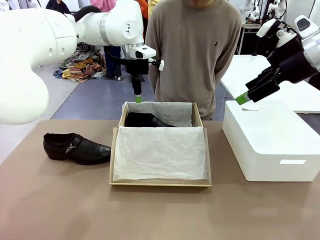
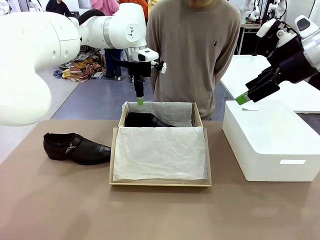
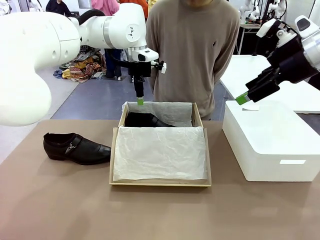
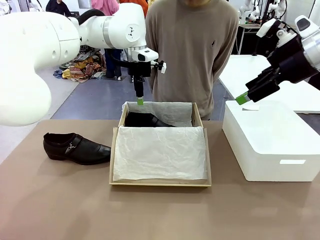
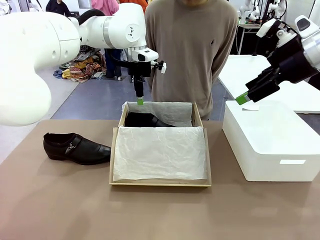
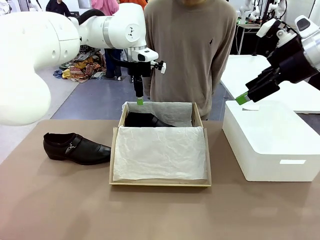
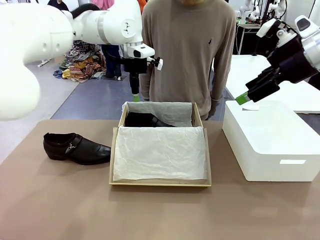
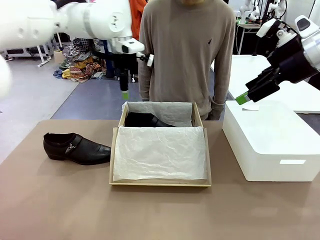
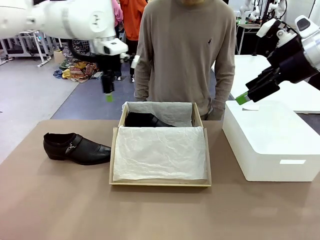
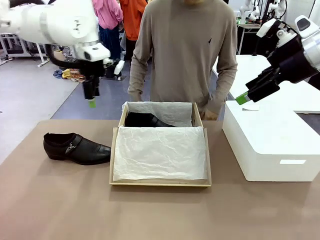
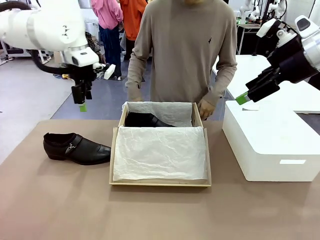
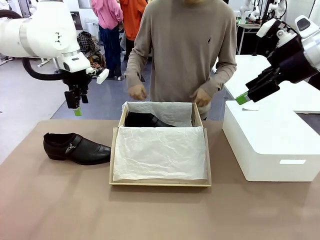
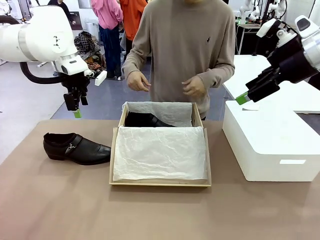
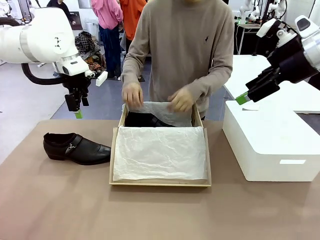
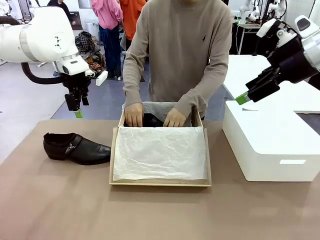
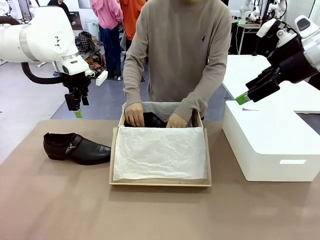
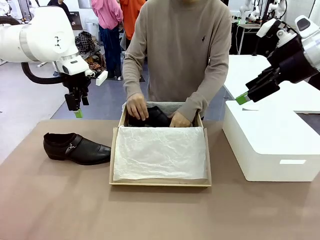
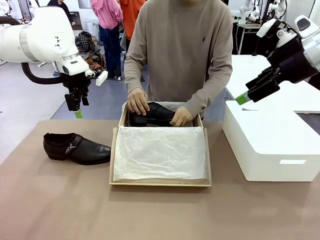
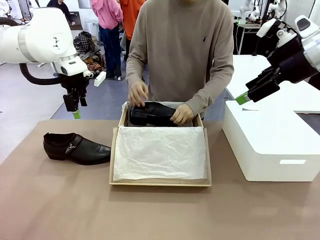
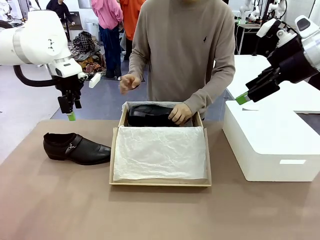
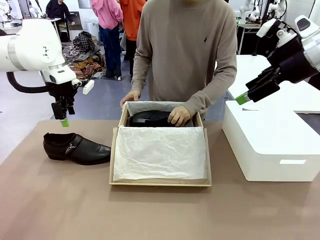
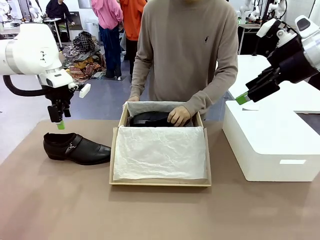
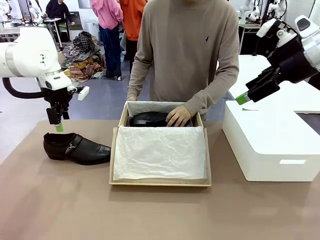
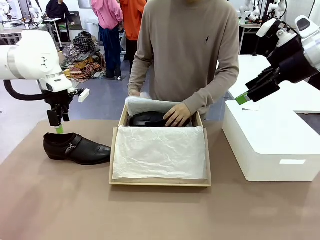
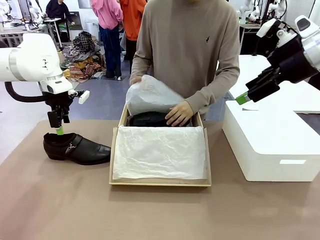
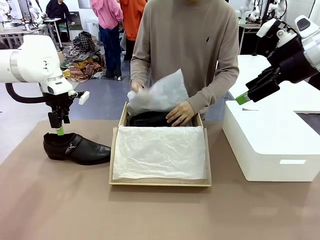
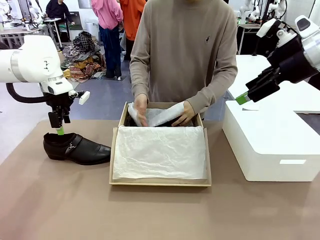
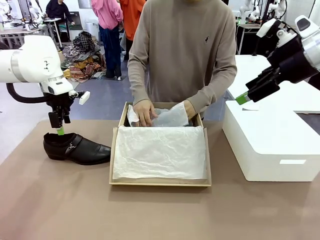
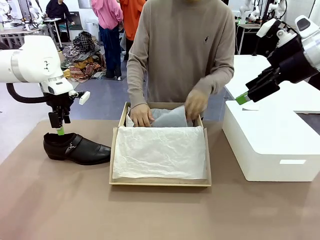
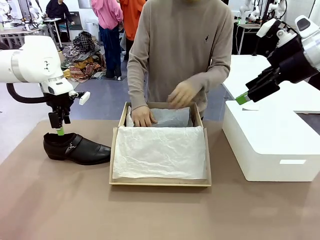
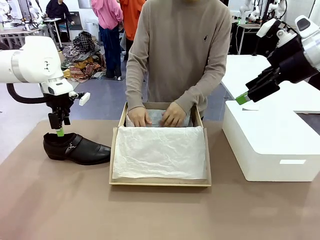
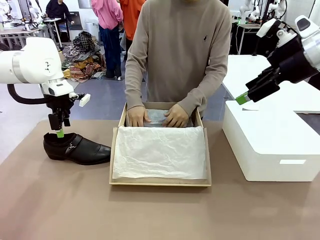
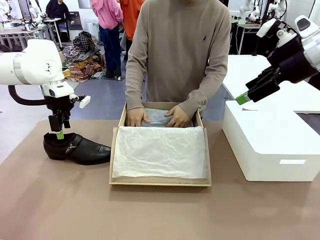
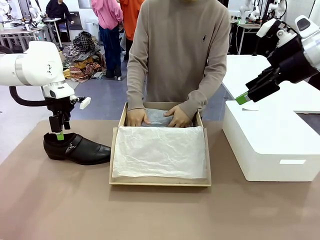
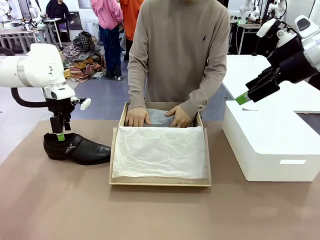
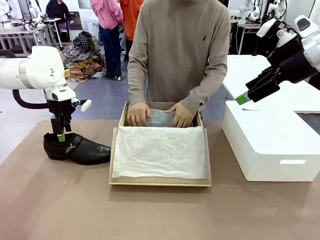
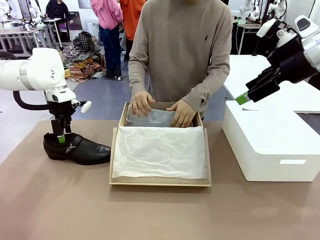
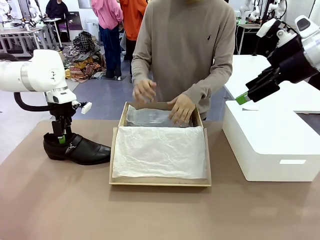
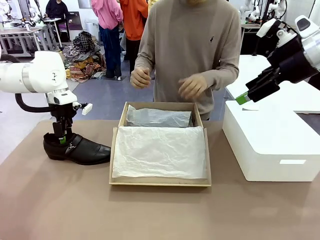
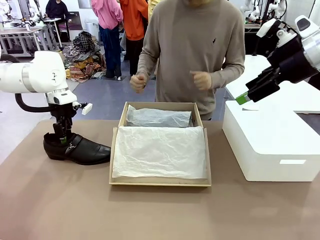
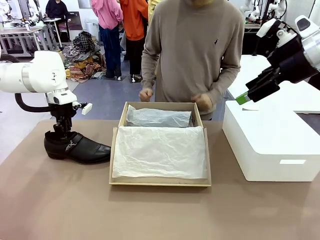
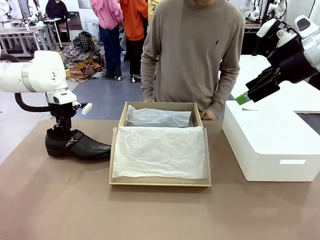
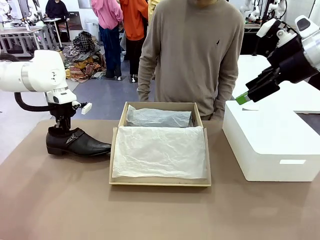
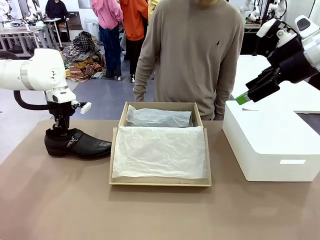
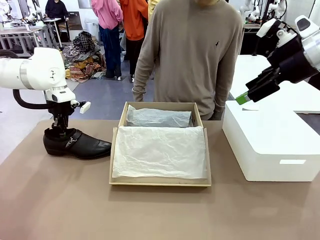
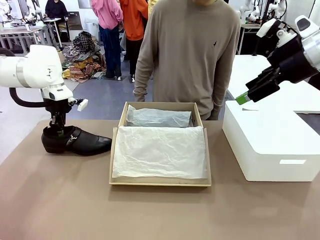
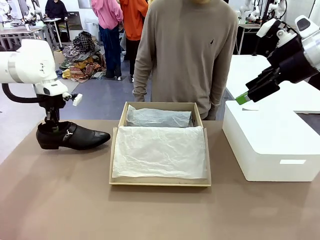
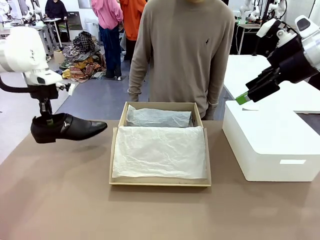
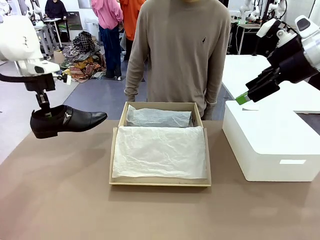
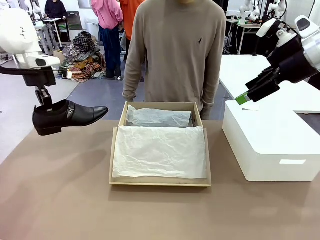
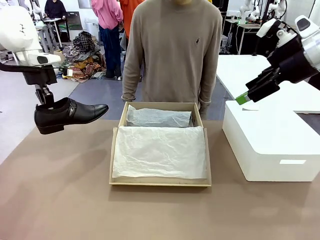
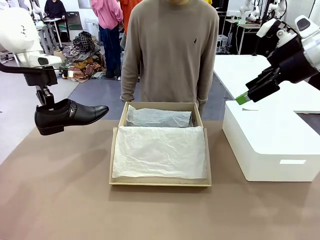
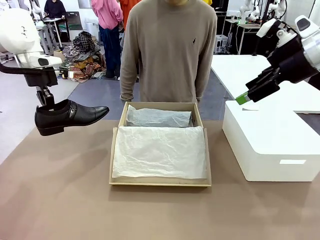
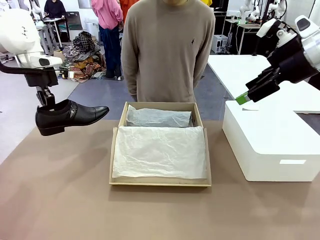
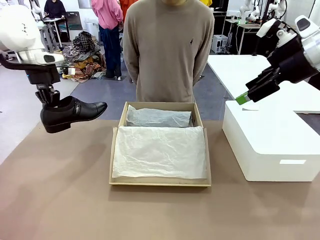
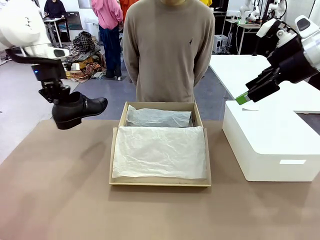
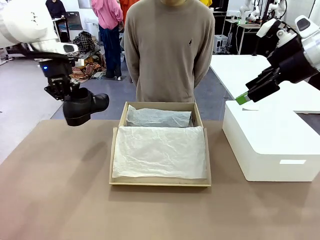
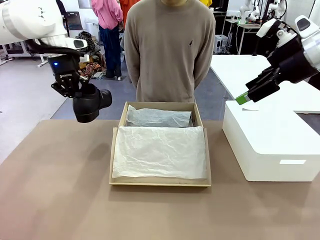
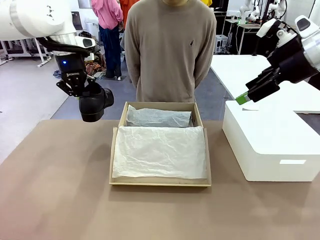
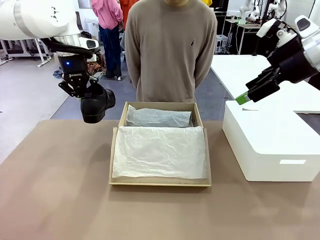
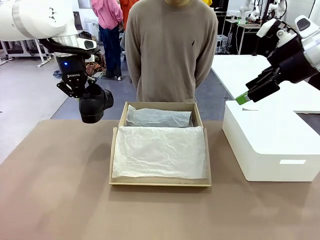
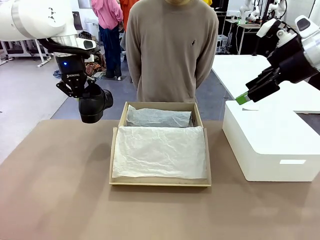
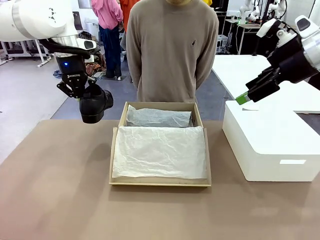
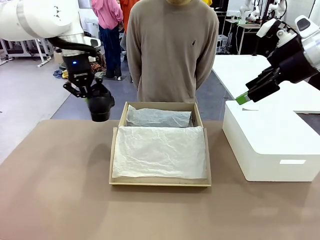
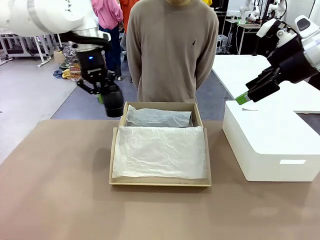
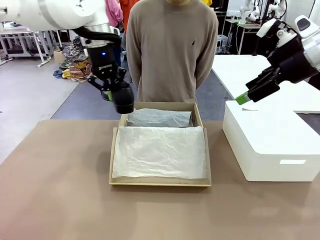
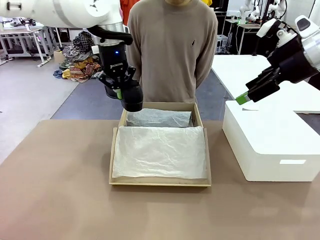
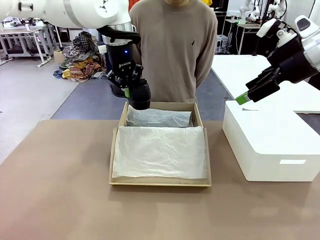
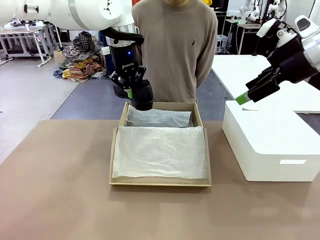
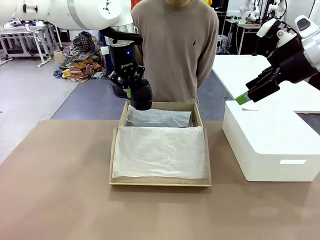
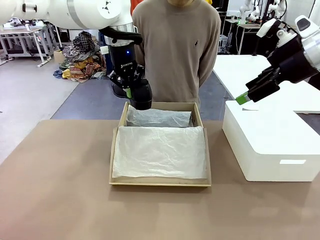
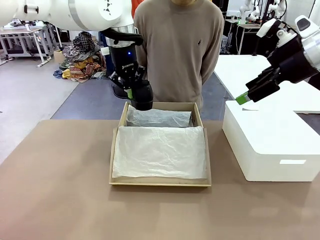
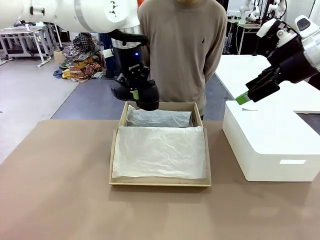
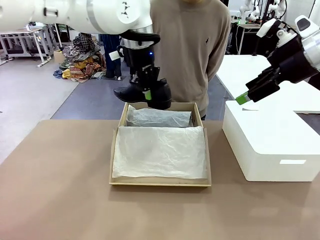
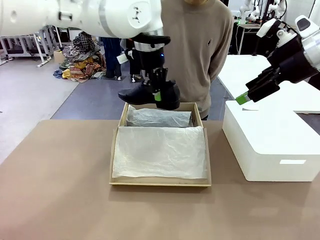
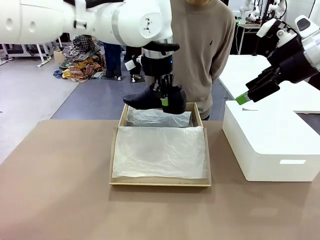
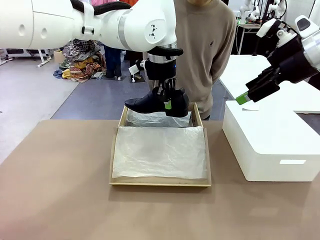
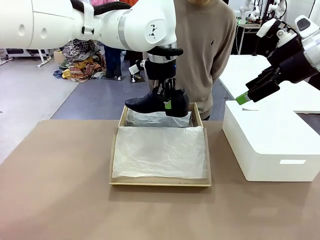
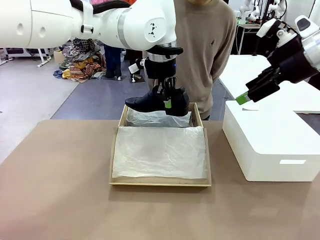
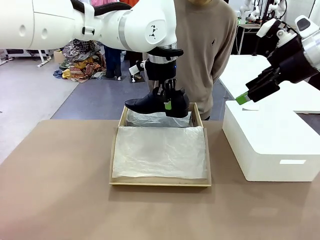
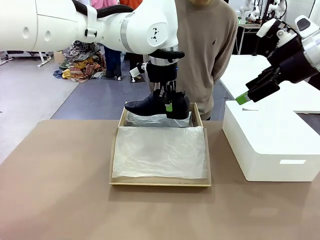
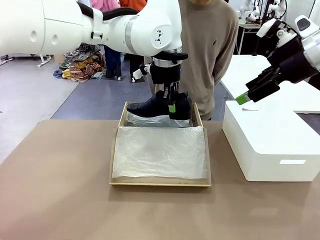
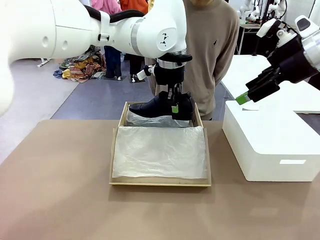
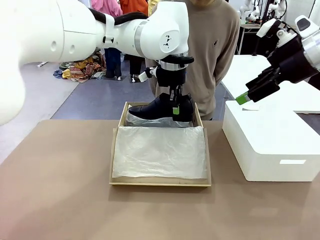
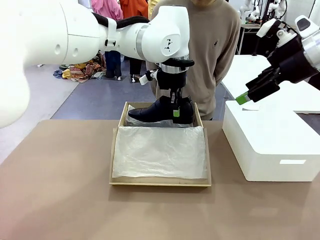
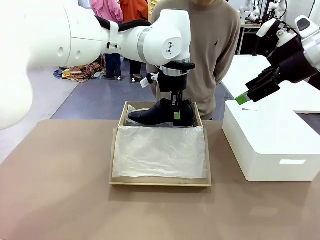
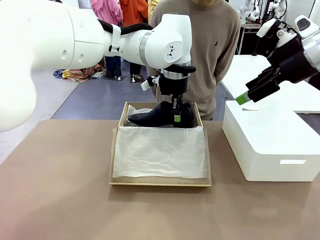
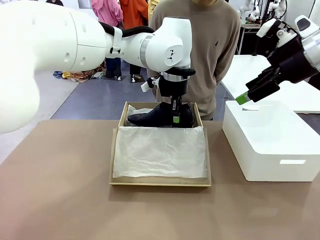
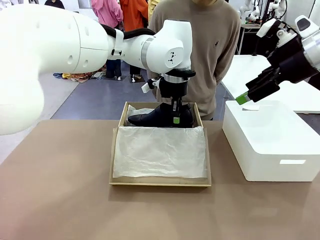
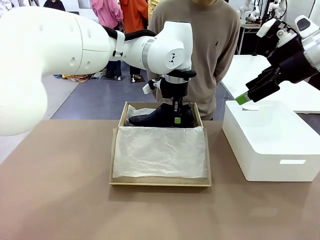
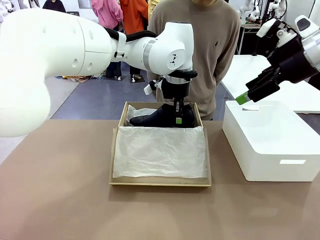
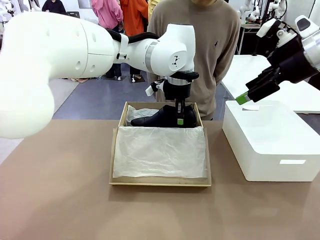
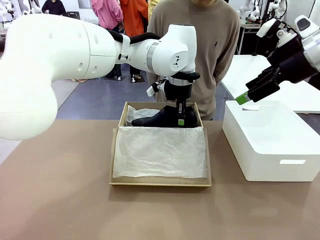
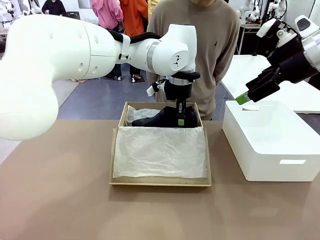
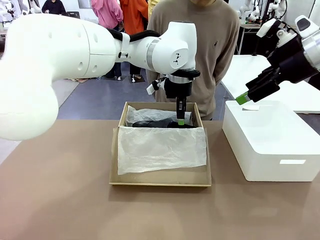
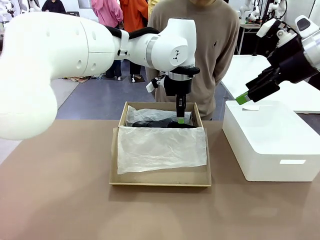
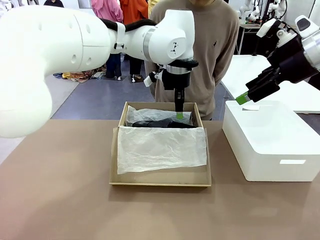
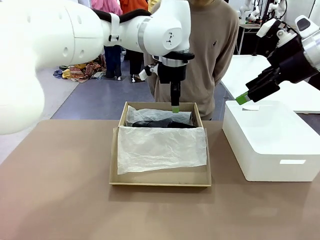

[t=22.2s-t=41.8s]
Task: Pack the shoes into the box.
Robot: Place the other shoe of the Shoes into the Shoes Box.
Person: Pack a shoe of Shoes inside the Shoes Box with Shoes Wrapping Paper.
